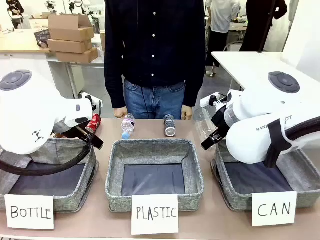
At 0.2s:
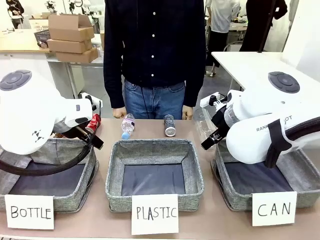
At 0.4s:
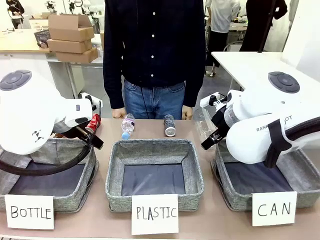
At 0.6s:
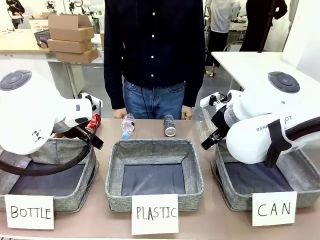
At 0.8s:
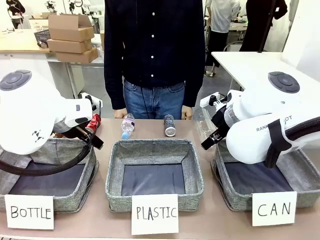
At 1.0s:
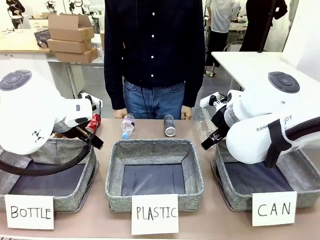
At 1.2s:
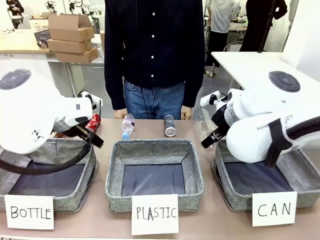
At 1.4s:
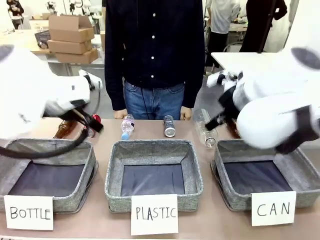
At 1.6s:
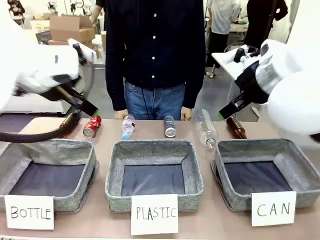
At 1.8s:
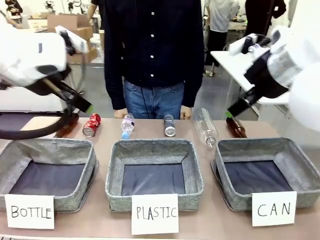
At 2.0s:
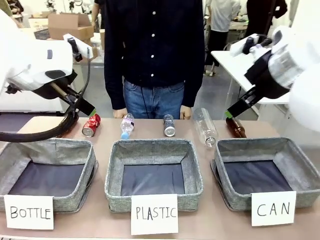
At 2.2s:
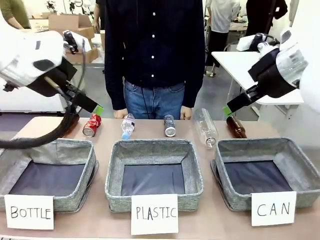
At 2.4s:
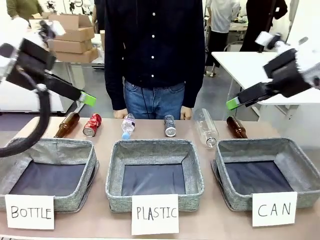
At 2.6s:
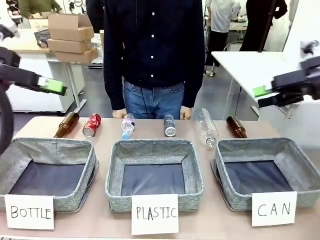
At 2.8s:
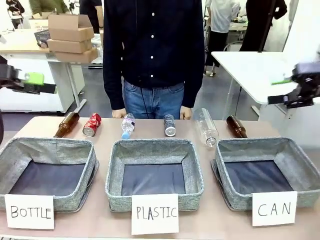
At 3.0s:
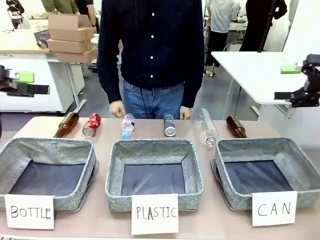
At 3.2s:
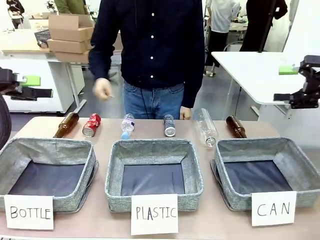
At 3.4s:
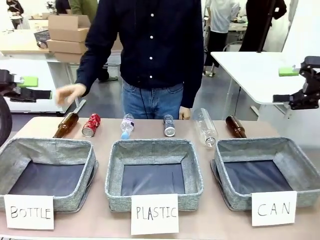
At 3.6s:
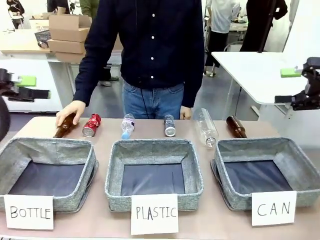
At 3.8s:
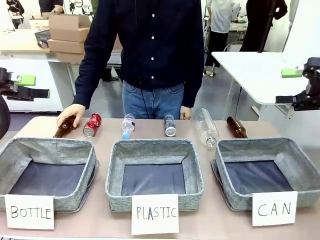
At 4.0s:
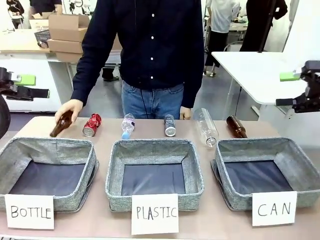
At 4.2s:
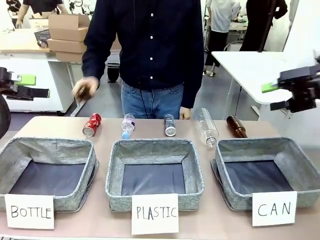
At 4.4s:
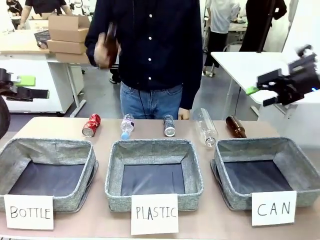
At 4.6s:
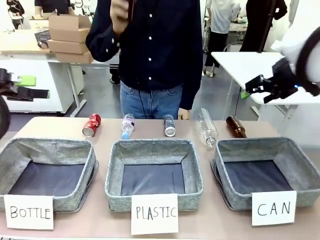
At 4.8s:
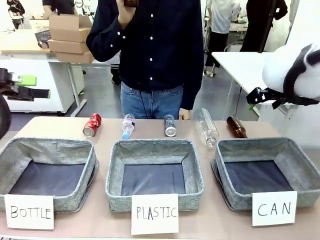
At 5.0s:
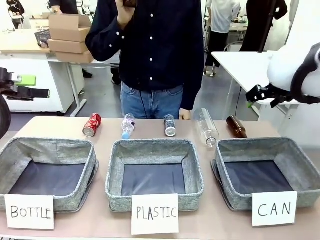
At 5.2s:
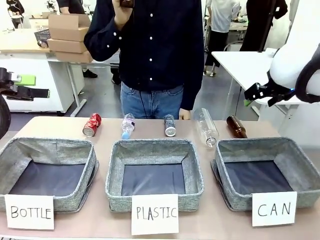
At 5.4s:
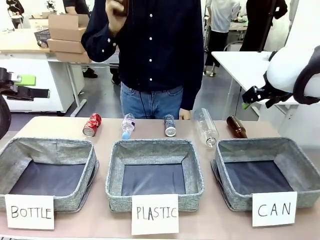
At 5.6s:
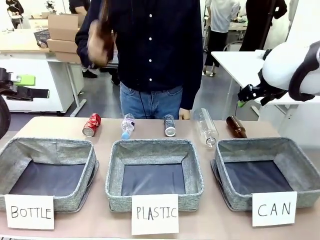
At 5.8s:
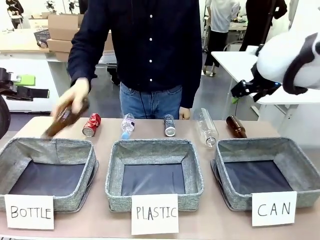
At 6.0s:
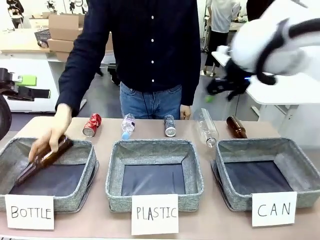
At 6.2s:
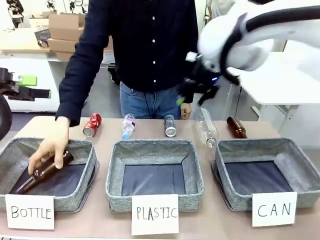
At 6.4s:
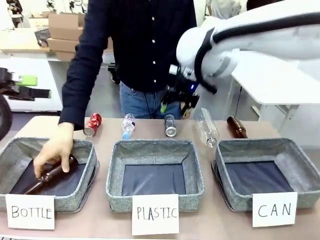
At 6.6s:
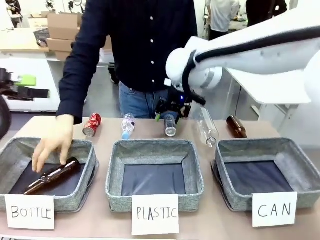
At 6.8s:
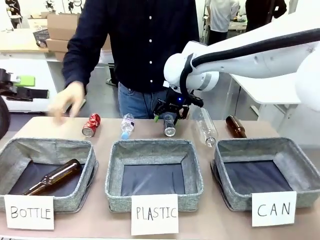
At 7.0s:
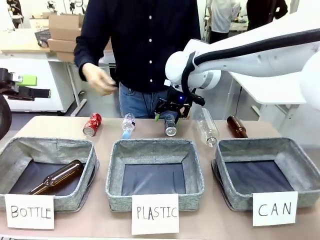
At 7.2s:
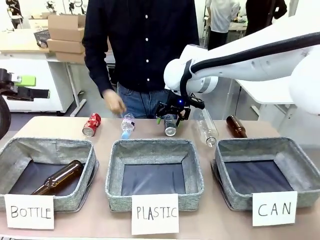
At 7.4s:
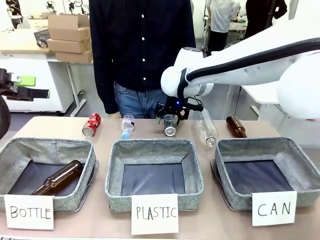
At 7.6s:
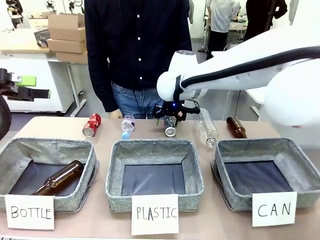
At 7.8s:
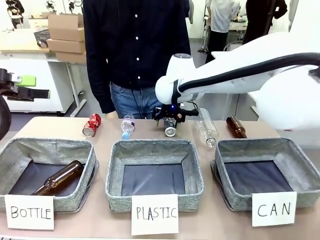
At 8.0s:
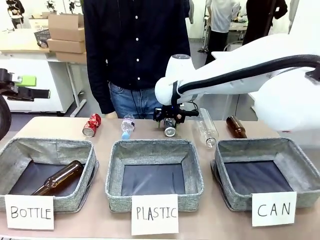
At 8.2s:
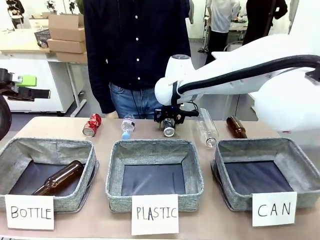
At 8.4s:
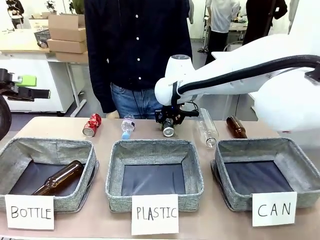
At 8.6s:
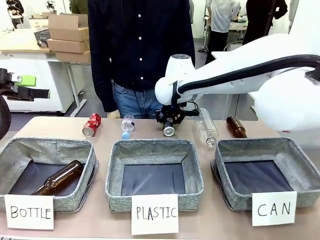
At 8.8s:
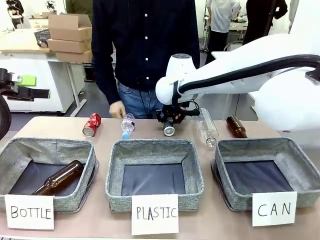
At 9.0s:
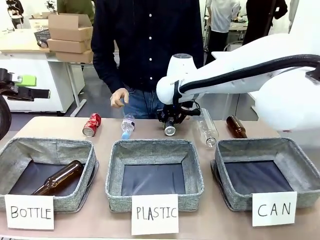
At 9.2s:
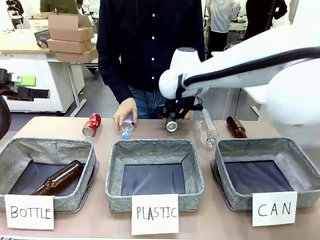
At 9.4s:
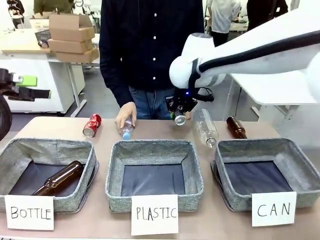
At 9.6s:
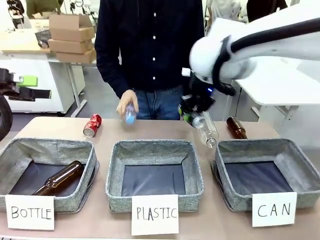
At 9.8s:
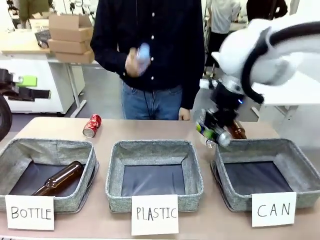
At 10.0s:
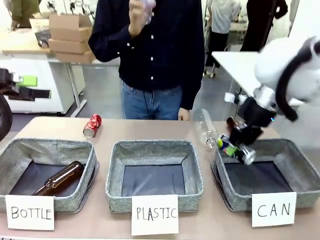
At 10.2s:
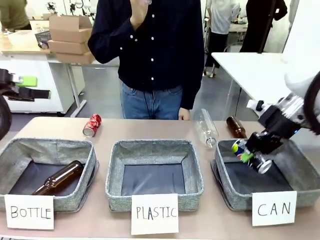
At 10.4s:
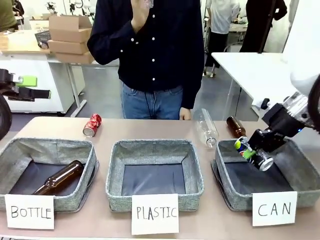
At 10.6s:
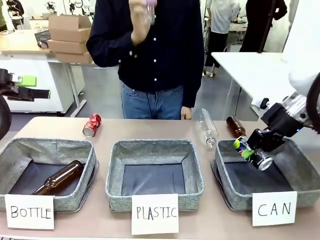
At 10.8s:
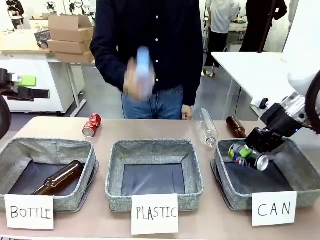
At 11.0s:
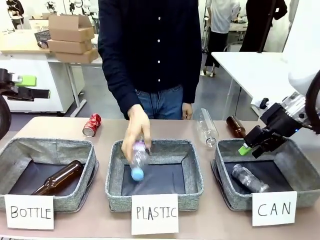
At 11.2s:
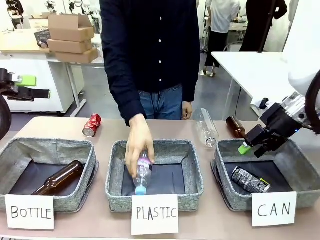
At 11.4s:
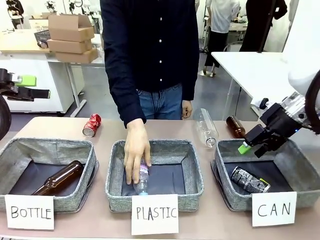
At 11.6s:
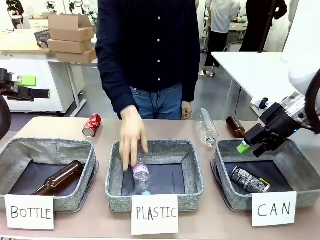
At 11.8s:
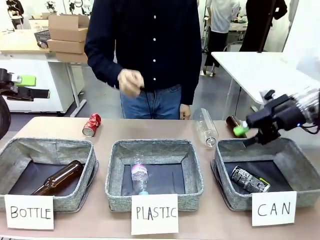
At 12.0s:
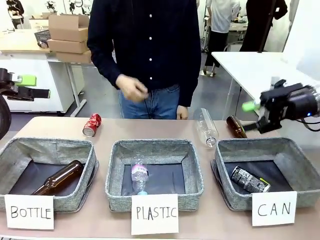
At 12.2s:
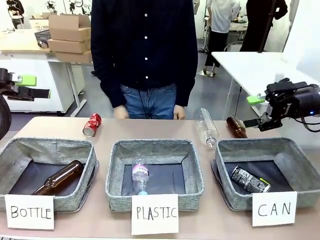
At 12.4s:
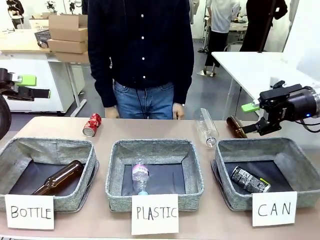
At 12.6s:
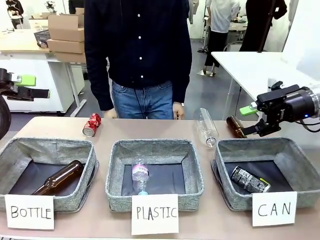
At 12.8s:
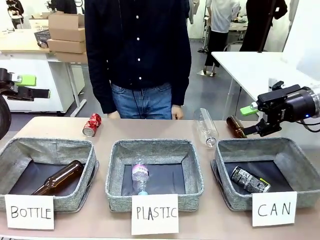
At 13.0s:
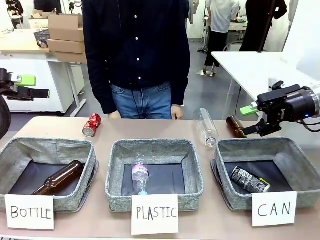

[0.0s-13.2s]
Task: Sort the can waste into the basket.
Robot: Pick up the can waste from the table and place it in the right Fabric basket.

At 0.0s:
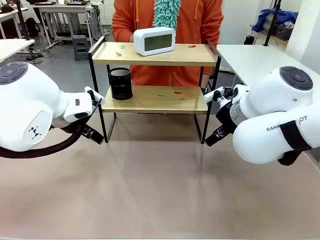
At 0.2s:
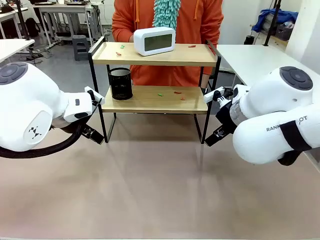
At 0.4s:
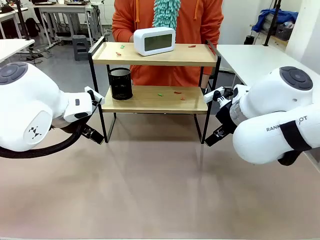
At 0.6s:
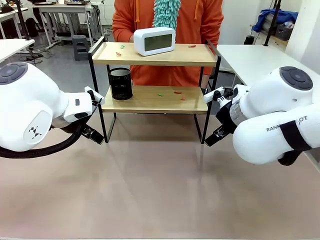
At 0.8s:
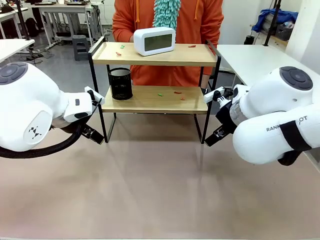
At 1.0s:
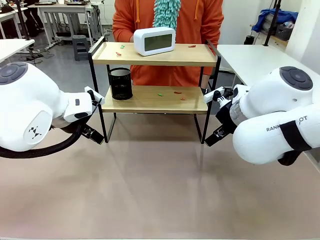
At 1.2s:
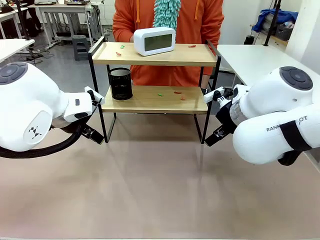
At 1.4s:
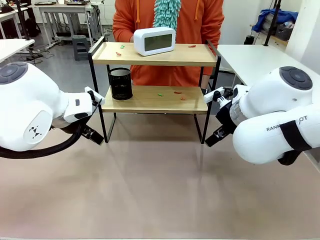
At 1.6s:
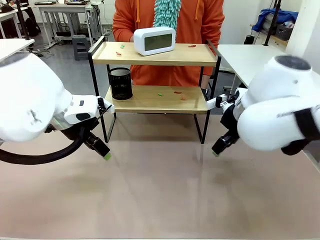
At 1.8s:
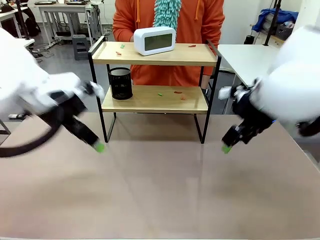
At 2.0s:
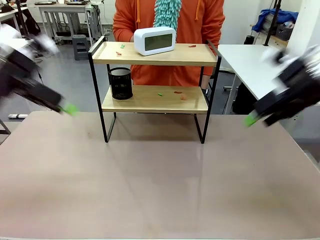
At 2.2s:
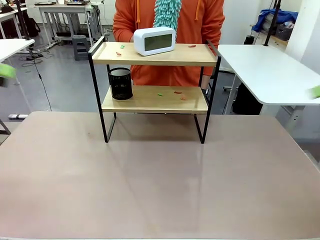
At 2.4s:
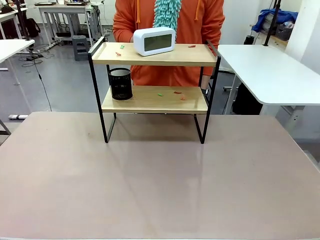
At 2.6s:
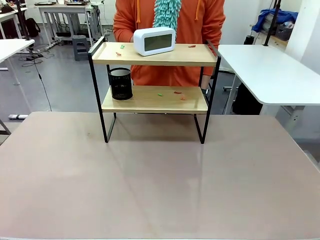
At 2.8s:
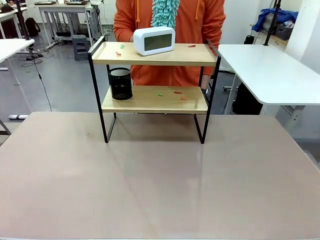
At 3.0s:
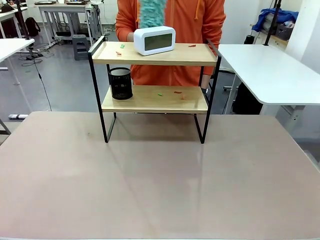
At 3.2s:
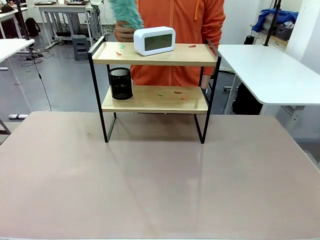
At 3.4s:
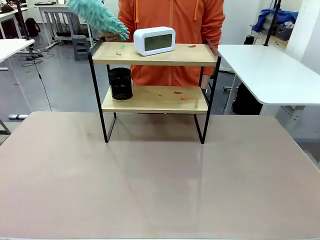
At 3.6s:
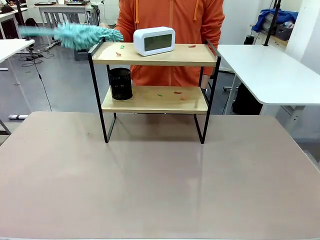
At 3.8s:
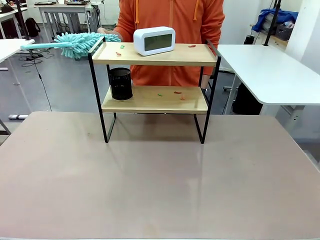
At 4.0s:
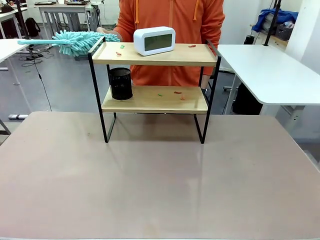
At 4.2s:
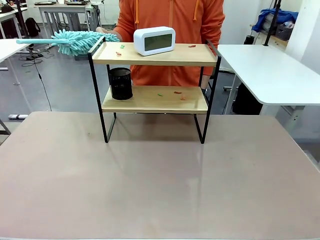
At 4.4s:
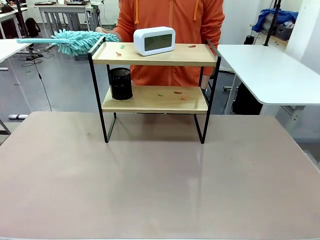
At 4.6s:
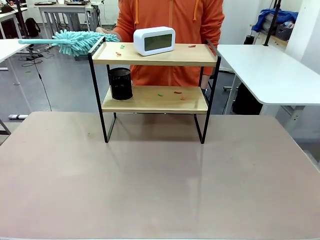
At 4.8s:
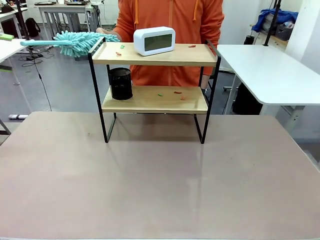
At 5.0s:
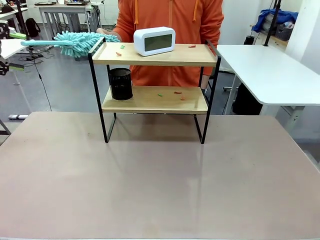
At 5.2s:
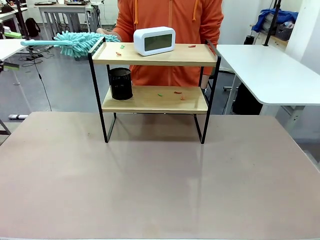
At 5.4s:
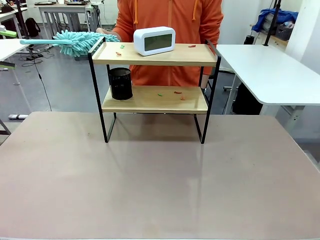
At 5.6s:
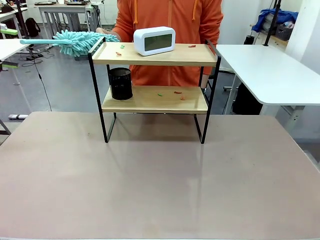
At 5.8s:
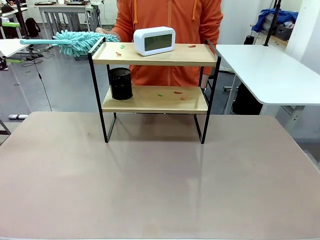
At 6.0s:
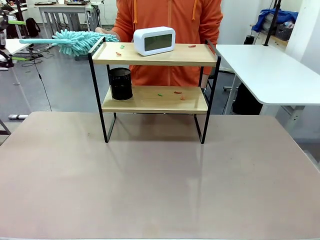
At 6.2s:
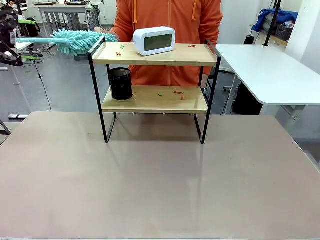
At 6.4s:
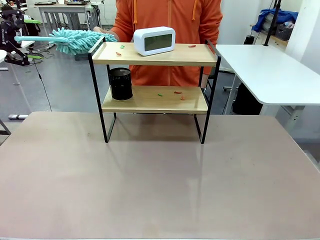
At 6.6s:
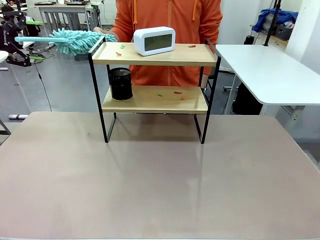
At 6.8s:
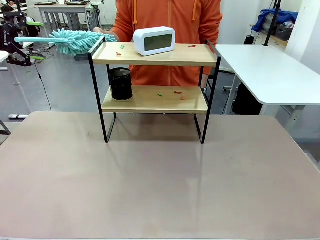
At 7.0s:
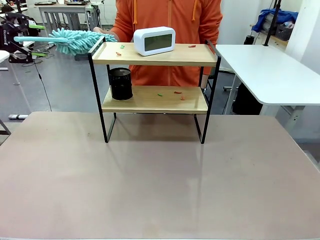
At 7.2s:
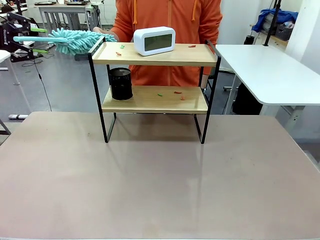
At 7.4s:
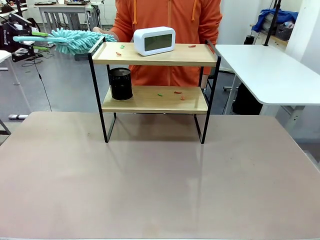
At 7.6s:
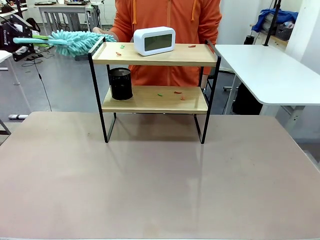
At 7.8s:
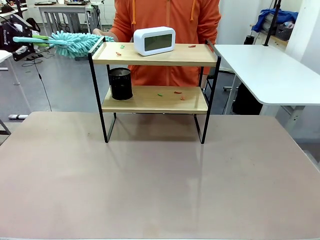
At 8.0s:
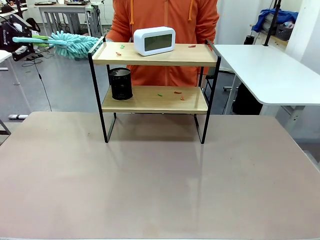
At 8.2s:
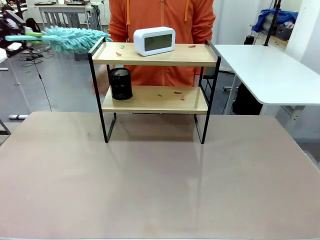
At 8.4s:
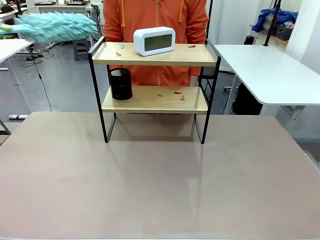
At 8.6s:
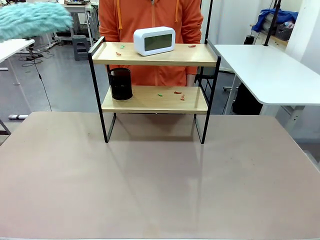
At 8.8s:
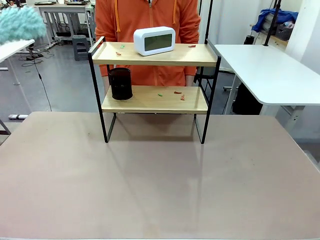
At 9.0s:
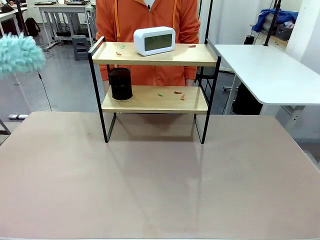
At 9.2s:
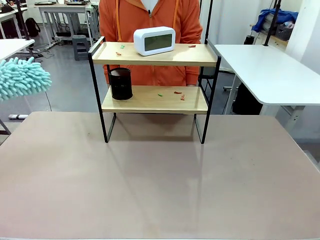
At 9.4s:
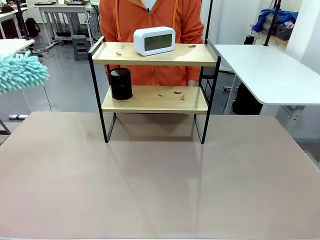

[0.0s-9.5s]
Task: Clean the shelf.
Robot: Pick up the Duster from the human.
Person: Hand the Duster to the robot.
